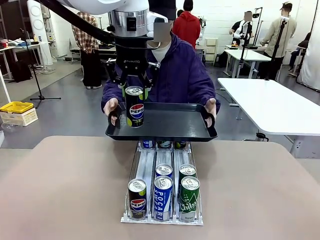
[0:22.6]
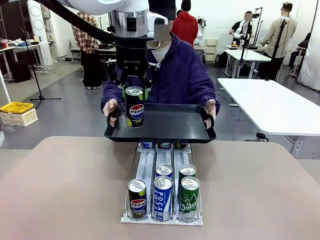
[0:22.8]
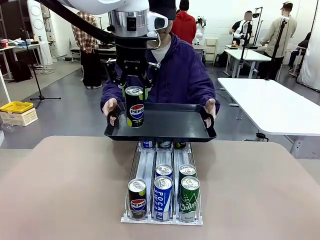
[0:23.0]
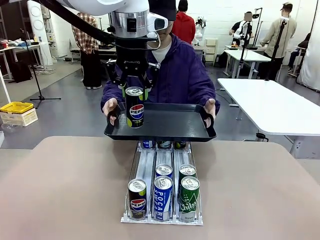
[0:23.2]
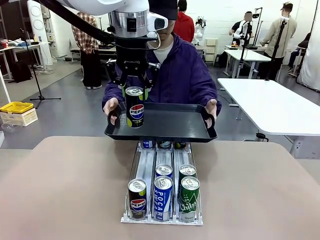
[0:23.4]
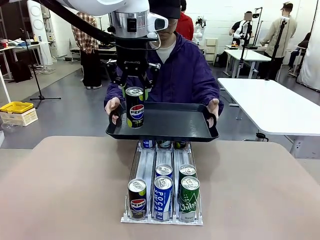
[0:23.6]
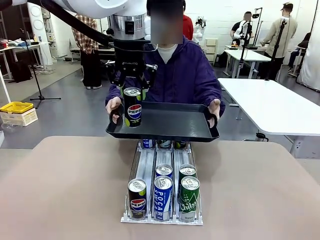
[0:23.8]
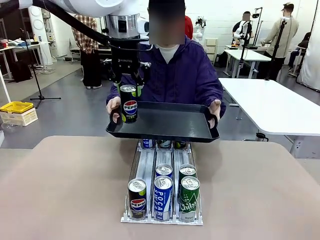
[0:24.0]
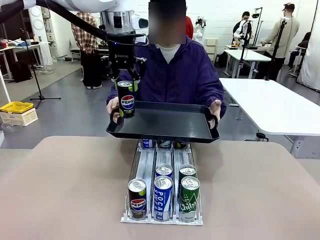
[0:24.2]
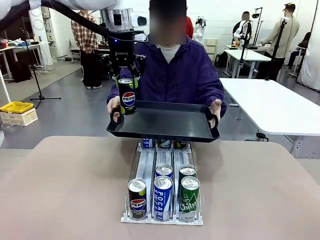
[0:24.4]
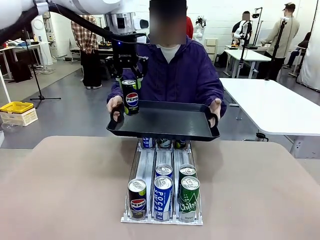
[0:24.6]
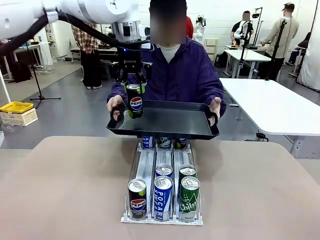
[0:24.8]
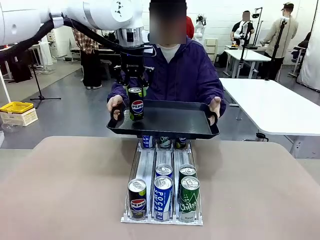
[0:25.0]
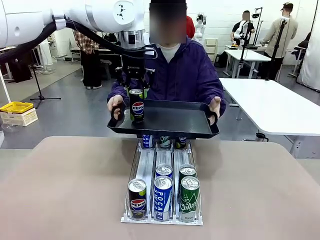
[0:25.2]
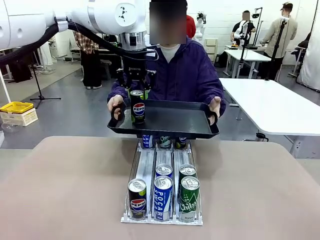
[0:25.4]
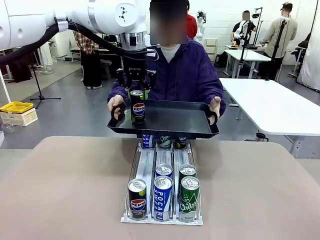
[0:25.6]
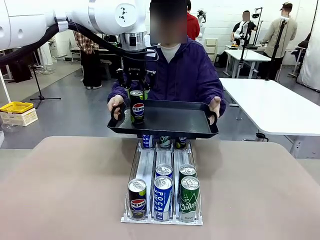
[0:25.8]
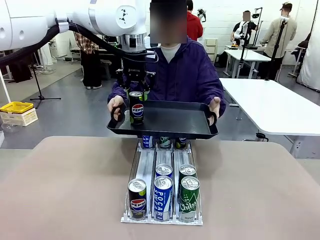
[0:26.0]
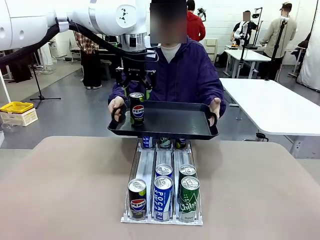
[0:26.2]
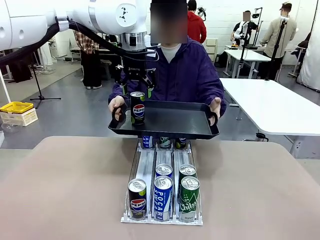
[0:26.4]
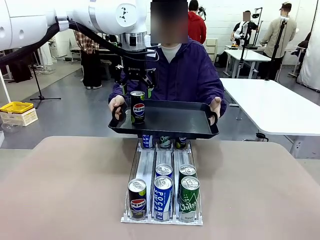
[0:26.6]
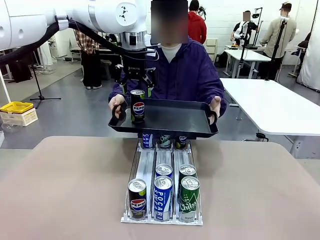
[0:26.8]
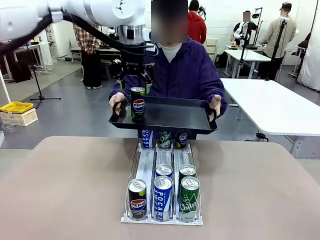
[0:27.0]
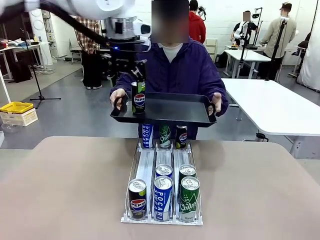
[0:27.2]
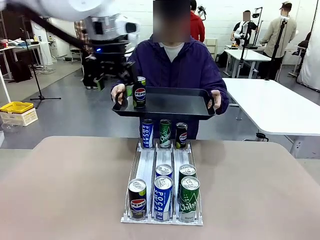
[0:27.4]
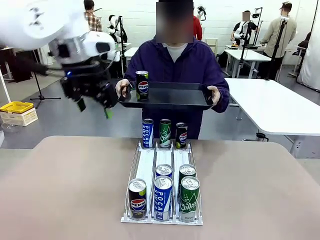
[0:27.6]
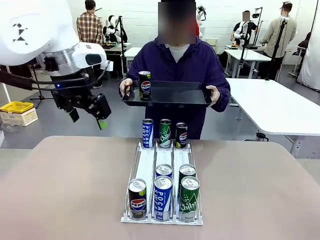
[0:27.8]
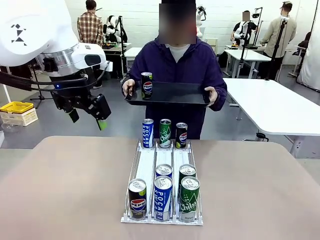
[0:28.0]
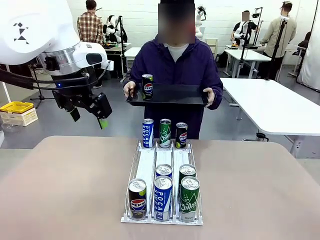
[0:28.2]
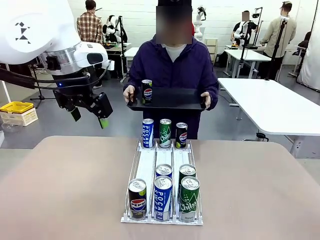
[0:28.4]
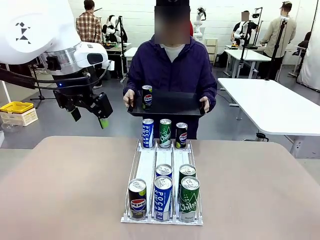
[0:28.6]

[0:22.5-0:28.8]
Task: Retrieve and hand over the desired beverage to the person.
Robot: Place the picked can on the Handle tray extended by the person.
Person: Pull the tray back, then pick up another can from the bottom area of the table and puts it back in its original place.

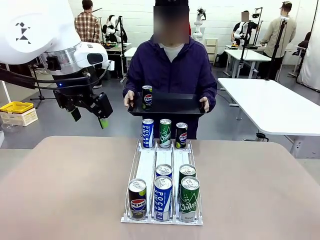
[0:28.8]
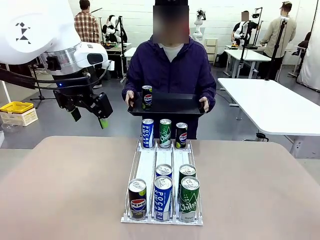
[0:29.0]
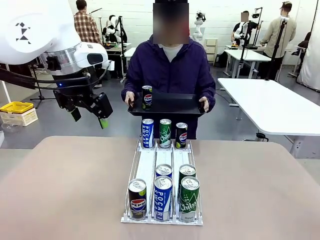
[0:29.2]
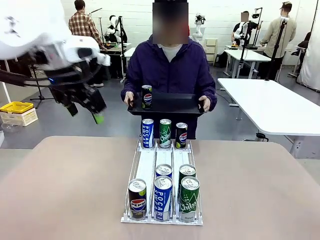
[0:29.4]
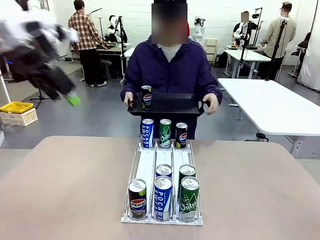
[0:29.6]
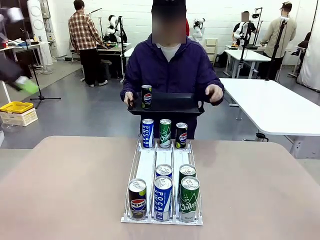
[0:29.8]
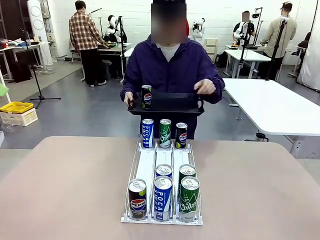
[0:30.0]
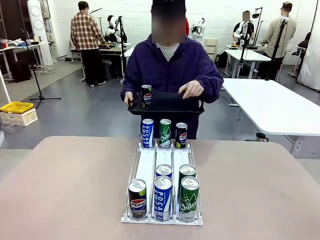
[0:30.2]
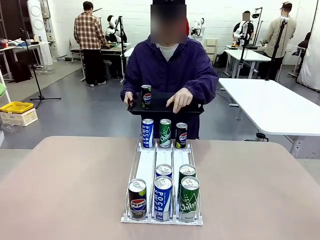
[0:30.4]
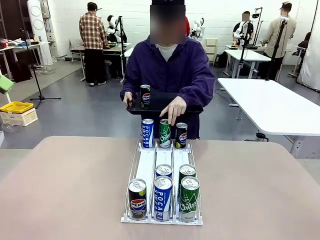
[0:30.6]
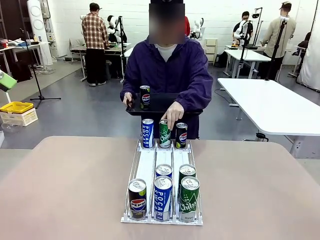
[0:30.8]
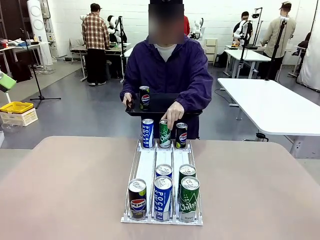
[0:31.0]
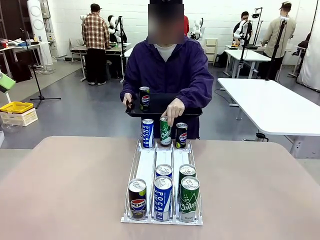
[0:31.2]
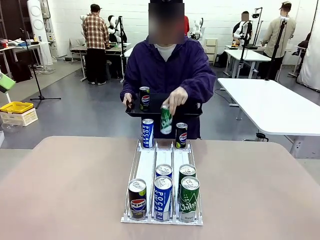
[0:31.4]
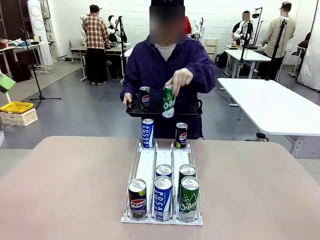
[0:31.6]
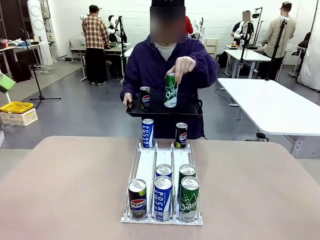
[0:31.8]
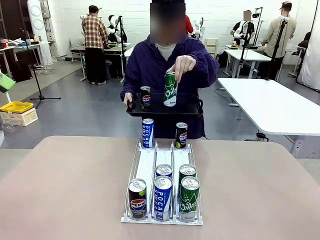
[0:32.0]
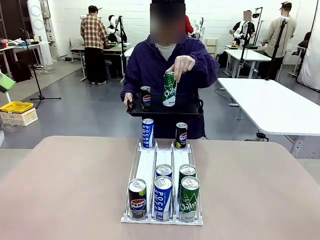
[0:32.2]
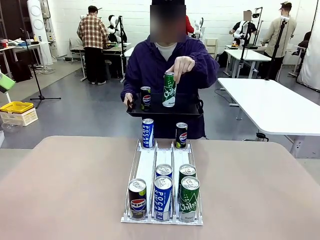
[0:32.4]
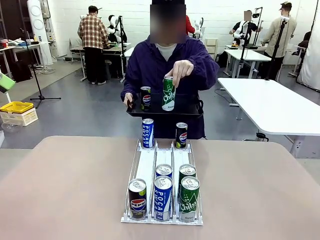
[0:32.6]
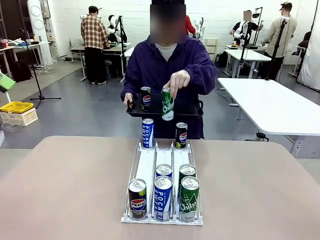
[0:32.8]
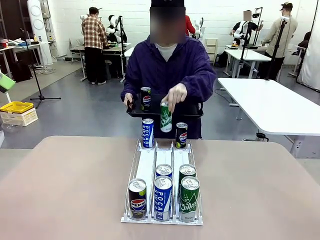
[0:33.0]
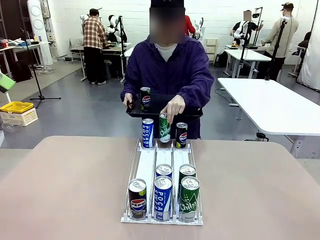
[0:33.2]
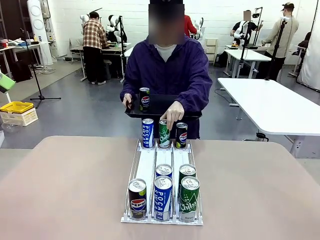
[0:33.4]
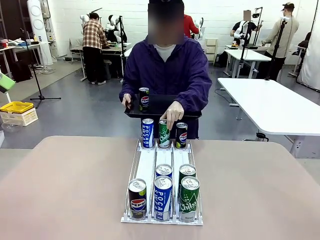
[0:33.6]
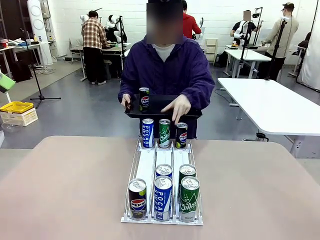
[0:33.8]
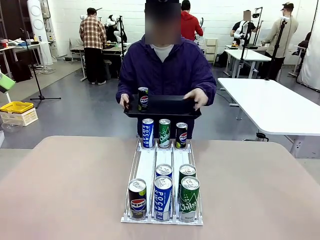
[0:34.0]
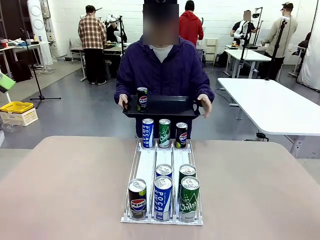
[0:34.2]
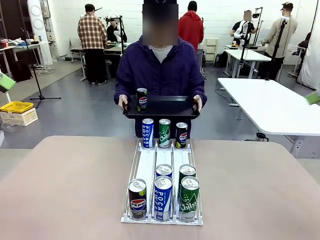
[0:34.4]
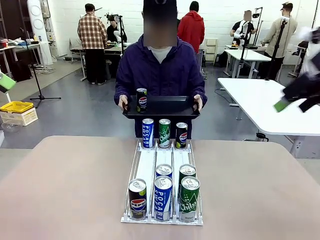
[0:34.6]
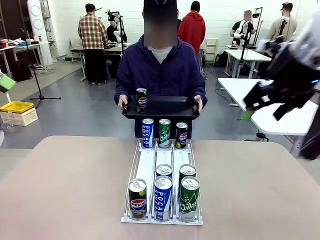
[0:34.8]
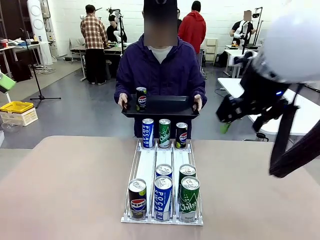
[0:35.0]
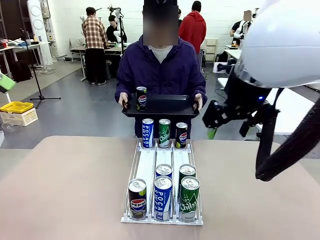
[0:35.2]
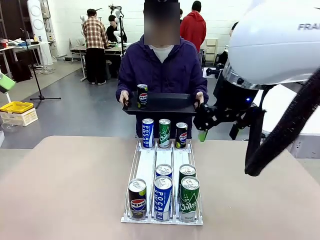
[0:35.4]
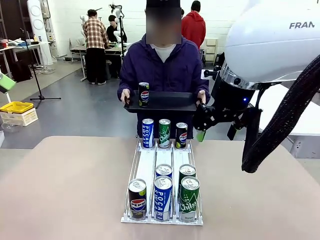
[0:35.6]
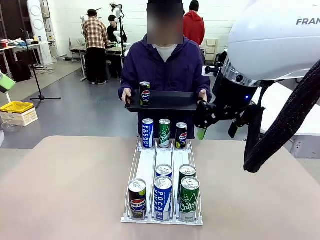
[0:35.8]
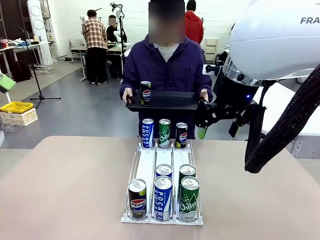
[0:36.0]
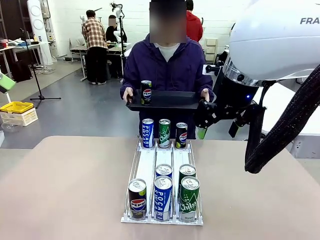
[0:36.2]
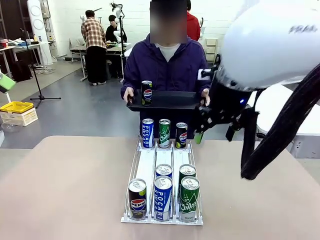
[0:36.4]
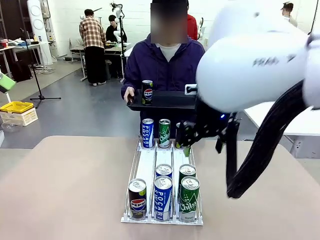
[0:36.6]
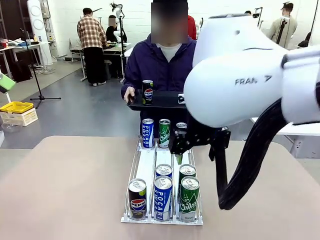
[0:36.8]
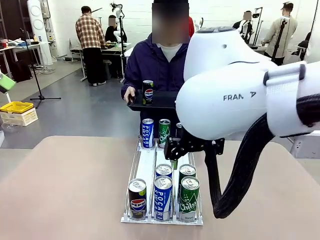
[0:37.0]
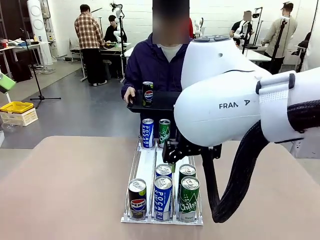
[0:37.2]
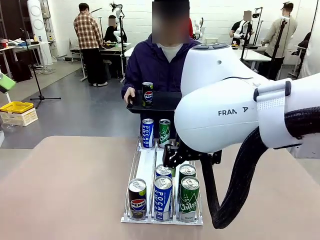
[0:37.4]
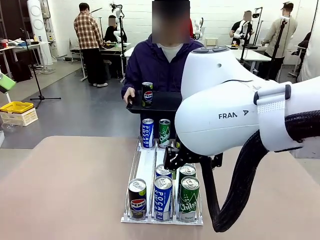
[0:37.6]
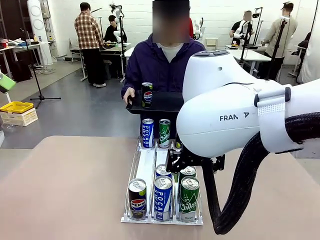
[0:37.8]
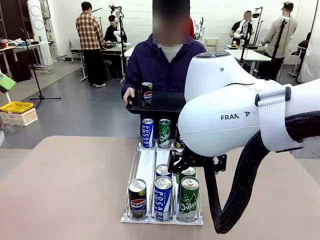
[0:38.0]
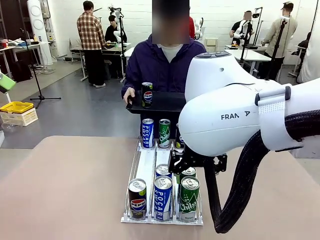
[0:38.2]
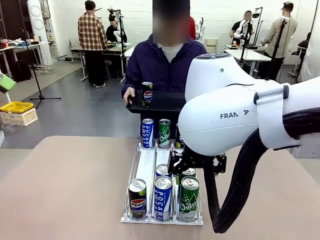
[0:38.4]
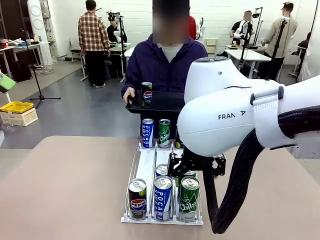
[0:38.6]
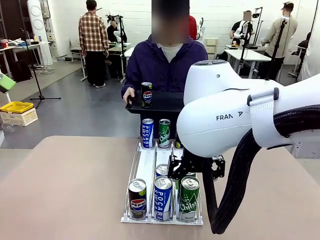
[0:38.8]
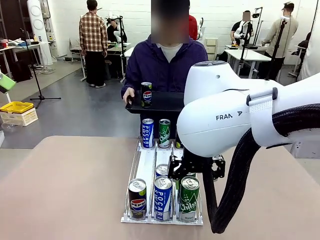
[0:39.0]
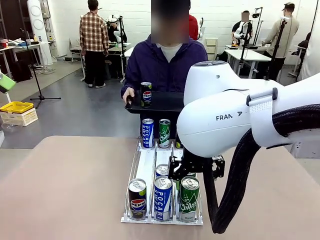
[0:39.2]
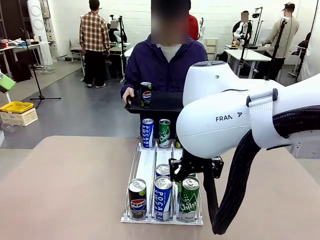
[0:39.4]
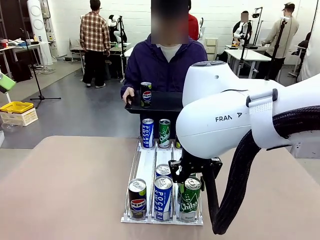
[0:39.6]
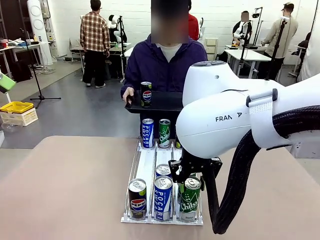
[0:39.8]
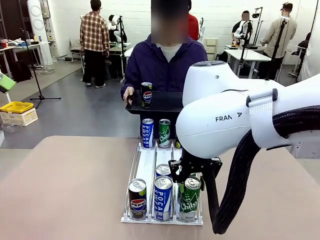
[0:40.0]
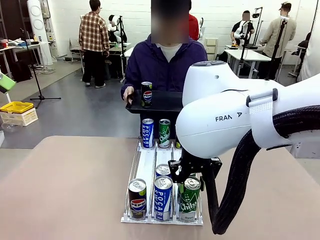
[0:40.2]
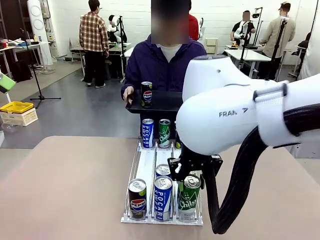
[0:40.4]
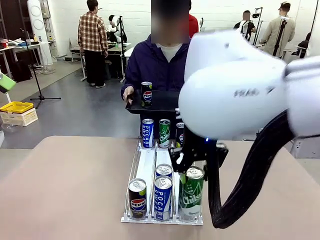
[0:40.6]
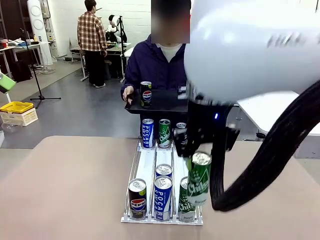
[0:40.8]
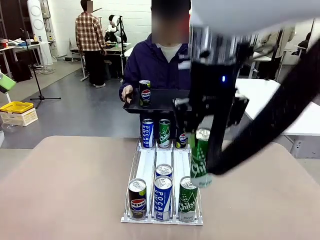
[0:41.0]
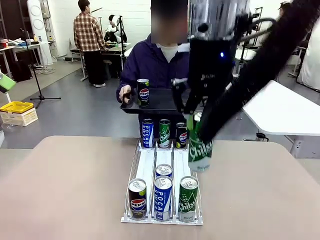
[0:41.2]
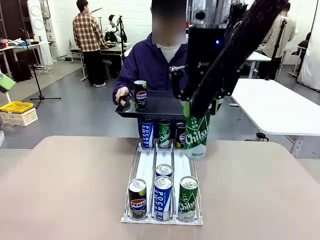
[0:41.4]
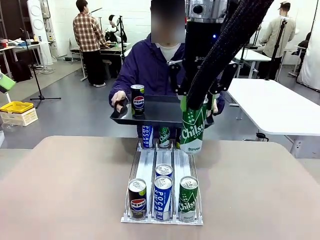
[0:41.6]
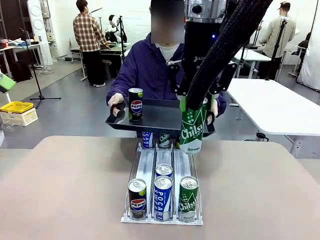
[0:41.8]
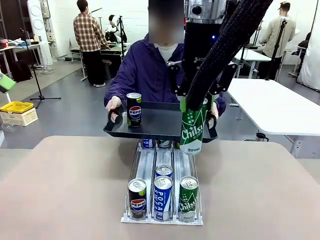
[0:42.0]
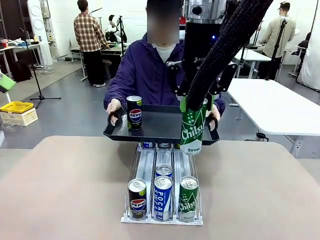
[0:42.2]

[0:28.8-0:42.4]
Robot: Pick up another can of the same type that the person held from the Automatic Can Dispenser.
Person: Push the tray toward the robot again.
